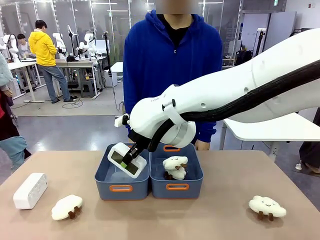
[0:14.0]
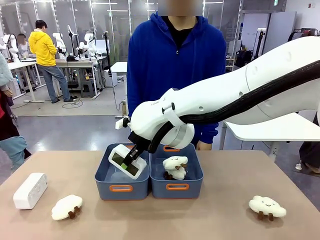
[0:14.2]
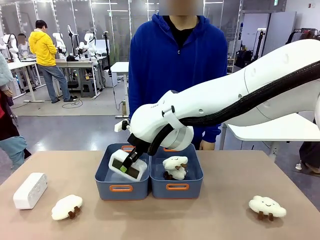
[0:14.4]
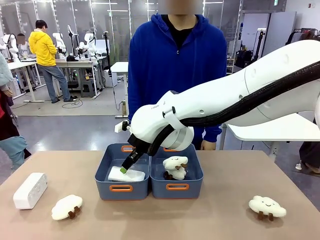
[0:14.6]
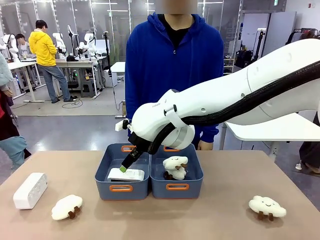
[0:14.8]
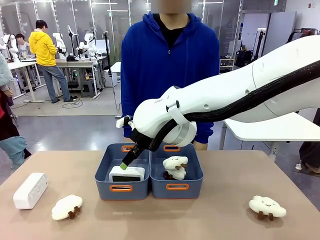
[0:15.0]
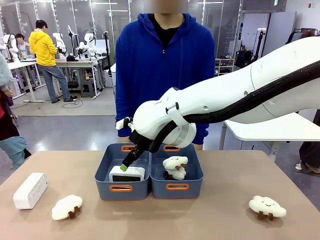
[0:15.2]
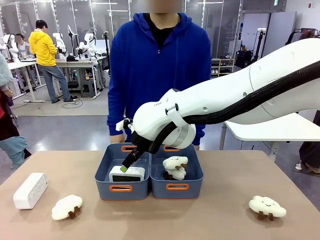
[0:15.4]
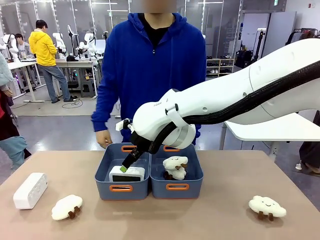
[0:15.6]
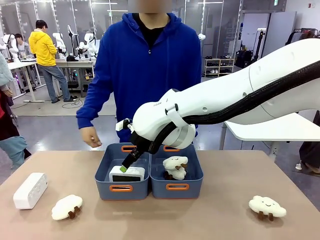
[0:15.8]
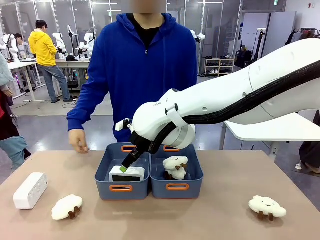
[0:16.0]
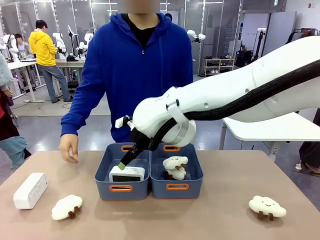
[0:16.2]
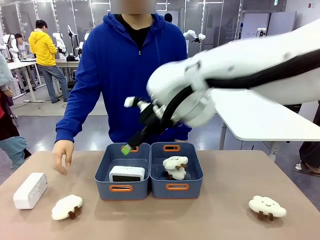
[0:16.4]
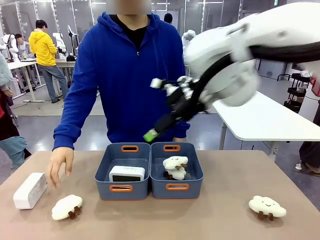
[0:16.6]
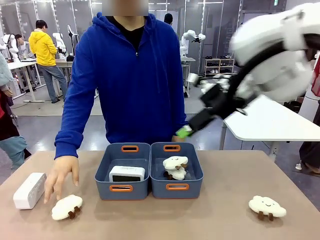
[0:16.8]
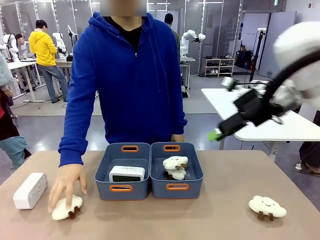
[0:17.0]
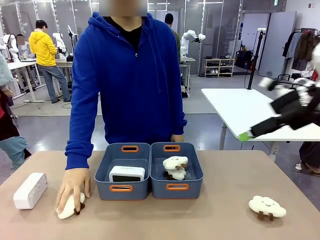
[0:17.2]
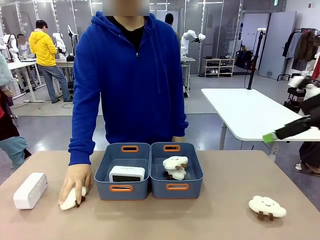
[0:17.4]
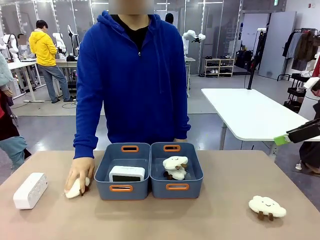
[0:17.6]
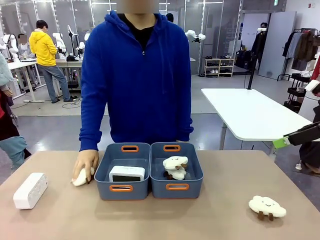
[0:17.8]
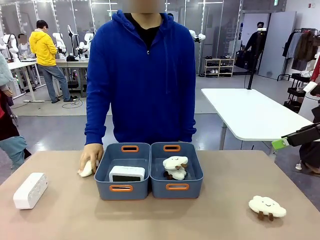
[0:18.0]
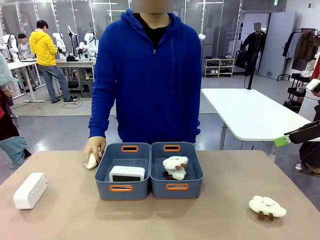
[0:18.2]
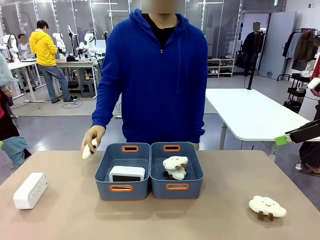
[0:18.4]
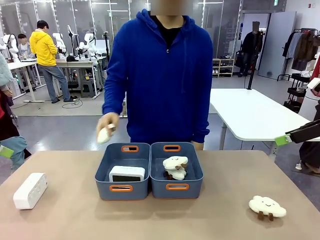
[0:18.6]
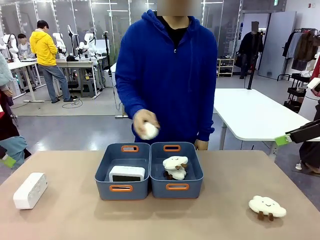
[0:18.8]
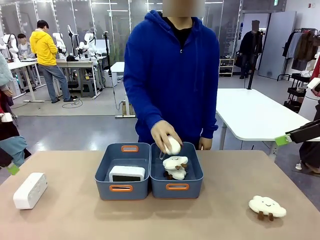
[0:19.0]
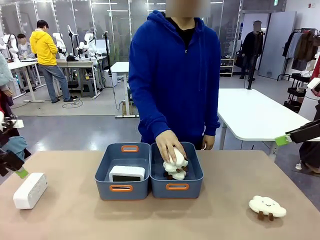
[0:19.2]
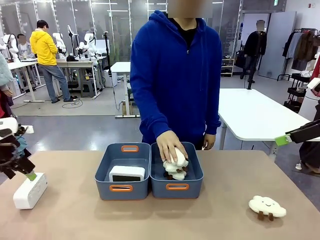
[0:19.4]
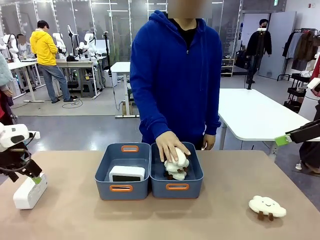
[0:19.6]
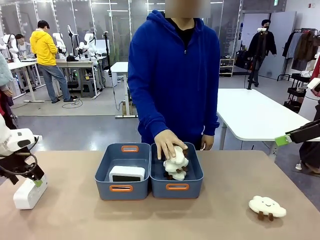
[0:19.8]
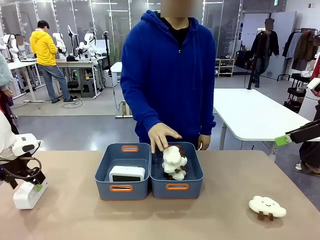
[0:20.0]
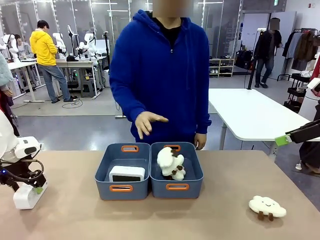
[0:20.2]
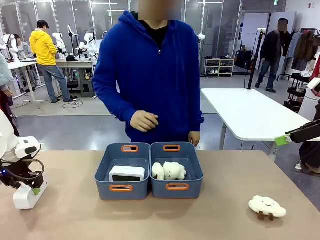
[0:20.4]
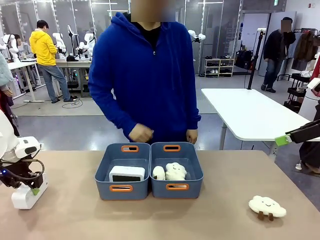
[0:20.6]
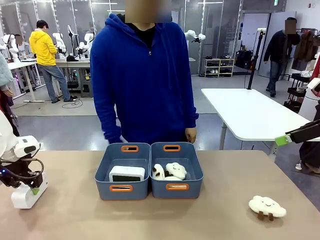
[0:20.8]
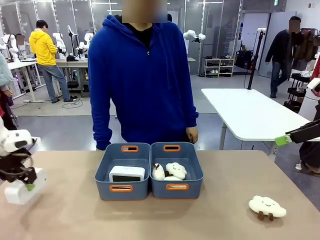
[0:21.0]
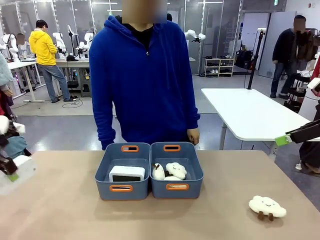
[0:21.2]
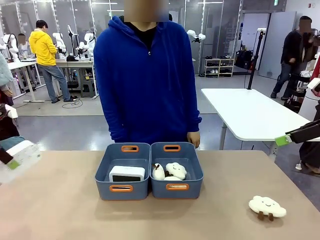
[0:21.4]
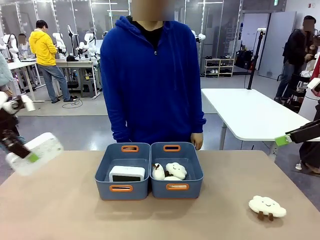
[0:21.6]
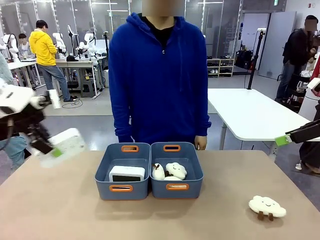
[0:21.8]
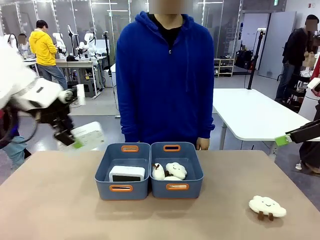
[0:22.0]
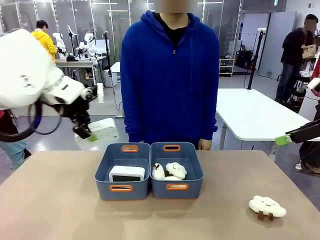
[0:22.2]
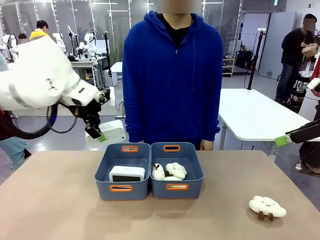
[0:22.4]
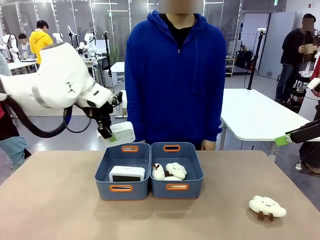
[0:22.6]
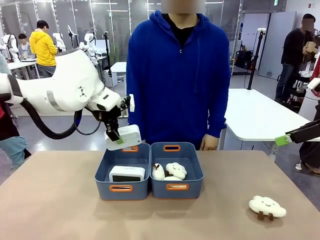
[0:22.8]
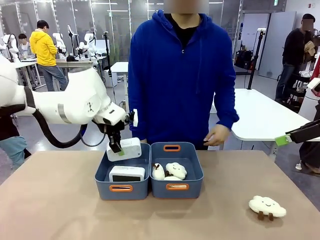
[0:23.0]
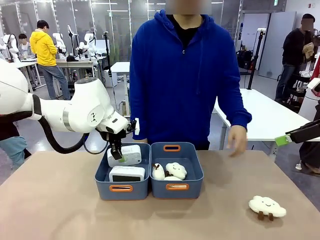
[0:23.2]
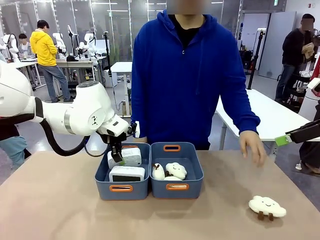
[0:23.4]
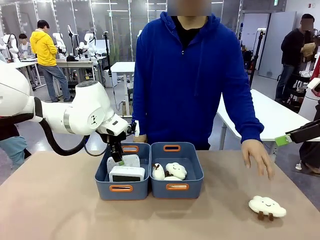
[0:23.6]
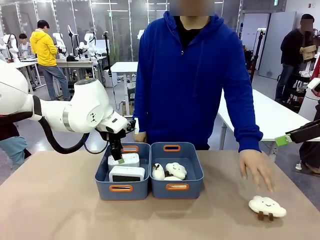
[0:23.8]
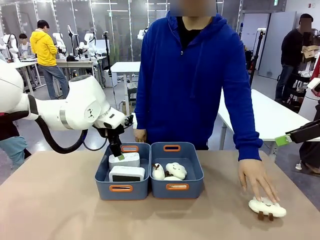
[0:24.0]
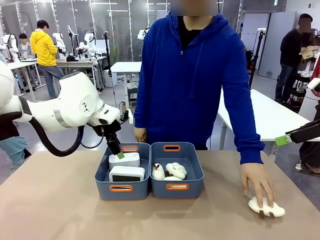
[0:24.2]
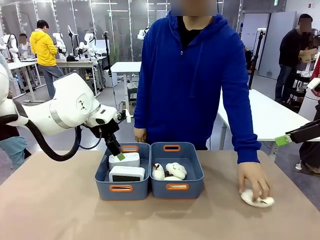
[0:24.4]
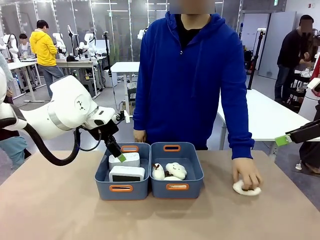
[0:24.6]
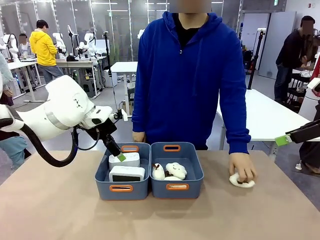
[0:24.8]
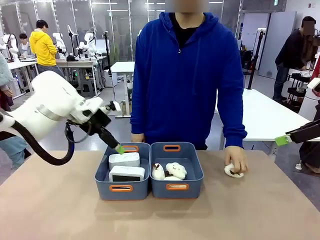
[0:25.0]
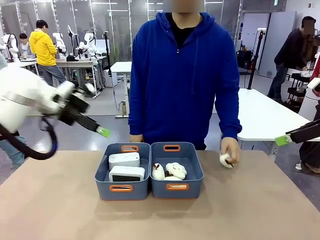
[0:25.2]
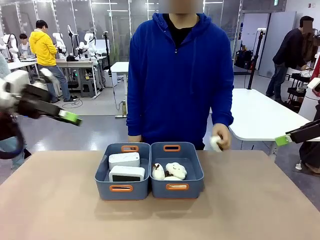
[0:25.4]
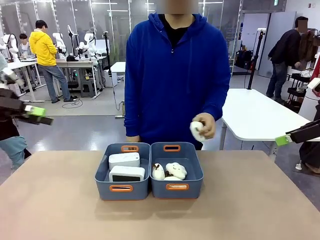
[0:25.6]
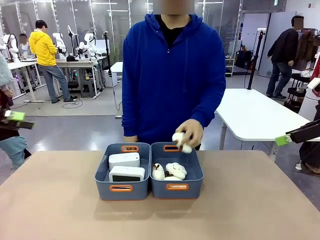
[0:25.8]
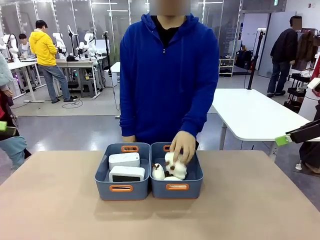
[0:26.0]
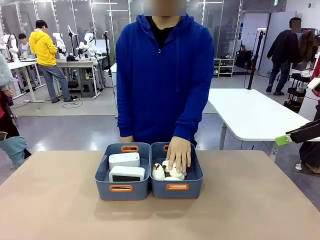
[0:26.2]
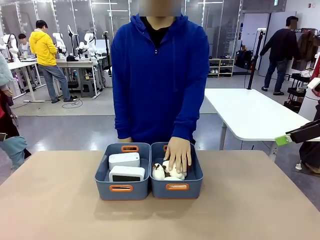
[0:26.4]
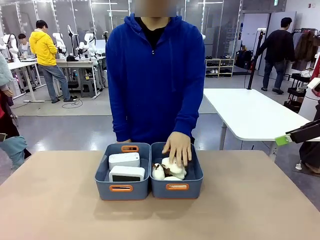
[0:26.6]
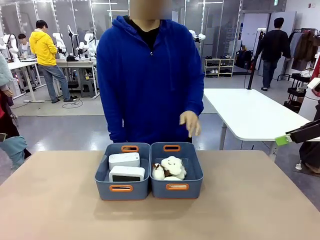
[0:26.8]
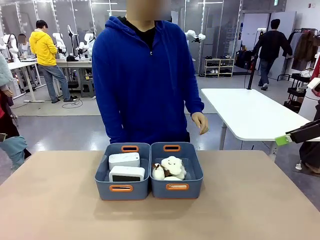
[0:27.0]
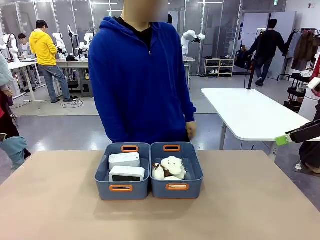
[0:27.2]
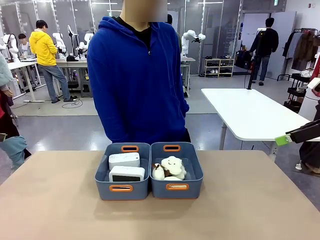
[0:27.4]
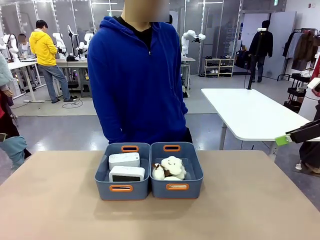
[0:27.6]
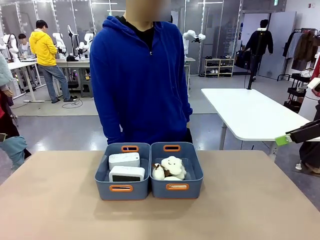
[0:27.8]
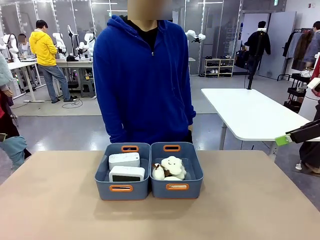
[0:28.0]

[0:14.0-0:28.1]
Task: Sort the digital clocks into the basket.
Robot: Pick up the Digital clock from the table and place it into the empty Plastic storage basket.
Person: Pick up a plush toy from the table and place it in the plastic storage basket containing the plush toy.
